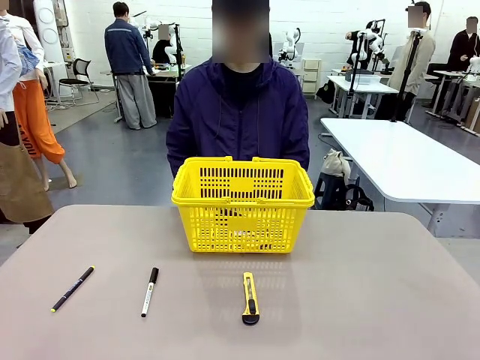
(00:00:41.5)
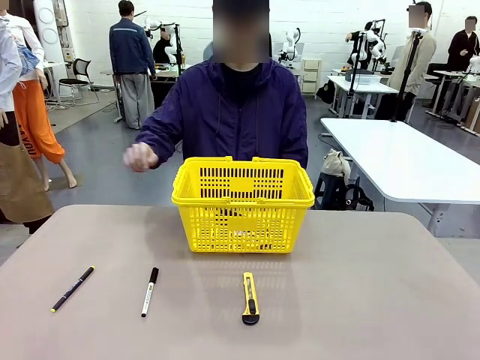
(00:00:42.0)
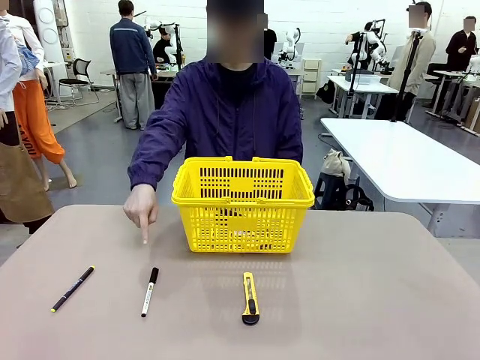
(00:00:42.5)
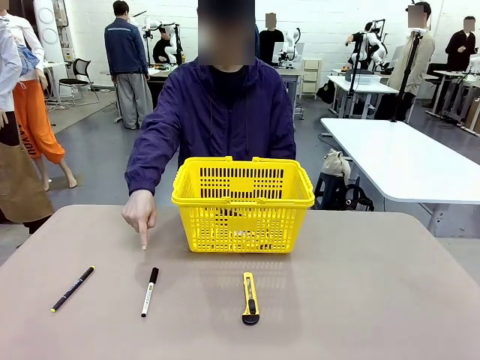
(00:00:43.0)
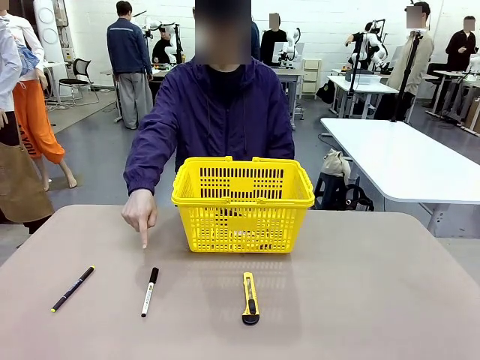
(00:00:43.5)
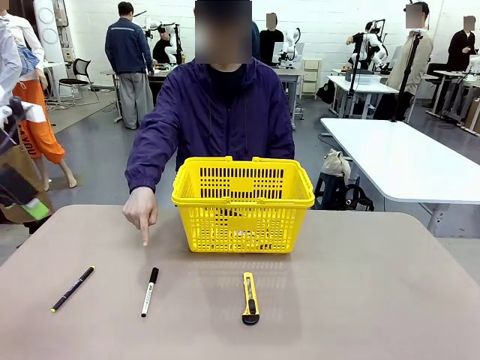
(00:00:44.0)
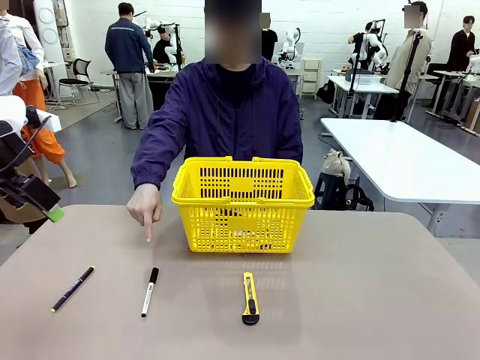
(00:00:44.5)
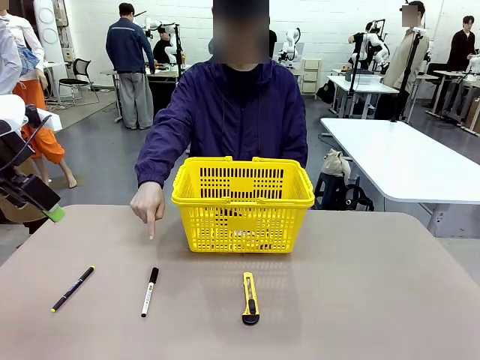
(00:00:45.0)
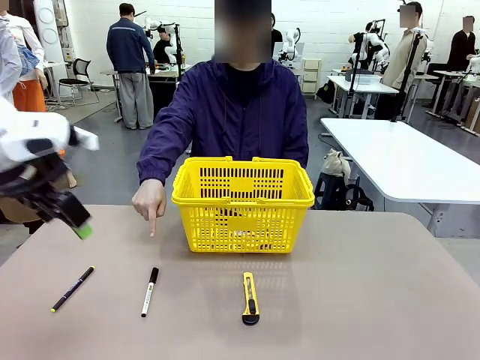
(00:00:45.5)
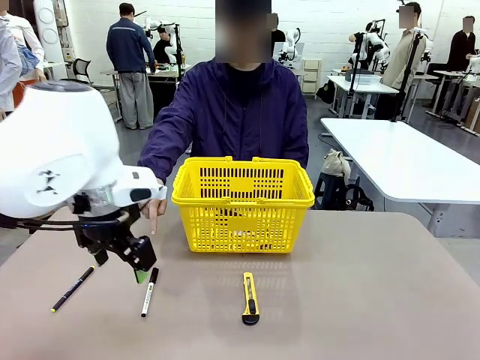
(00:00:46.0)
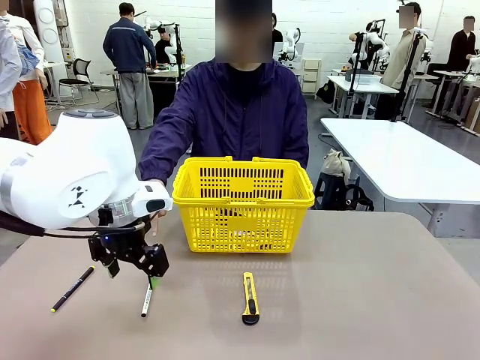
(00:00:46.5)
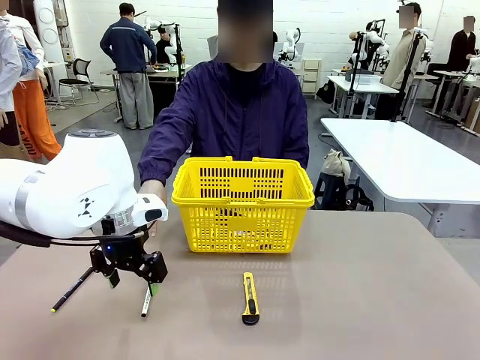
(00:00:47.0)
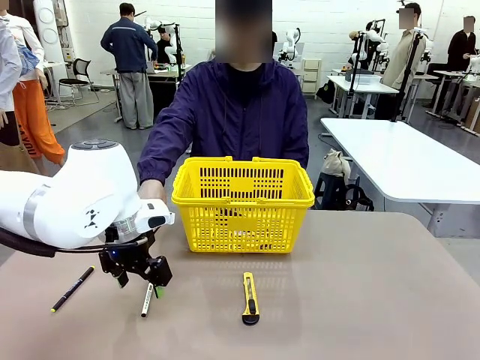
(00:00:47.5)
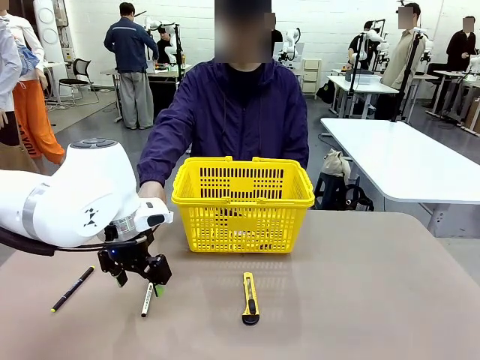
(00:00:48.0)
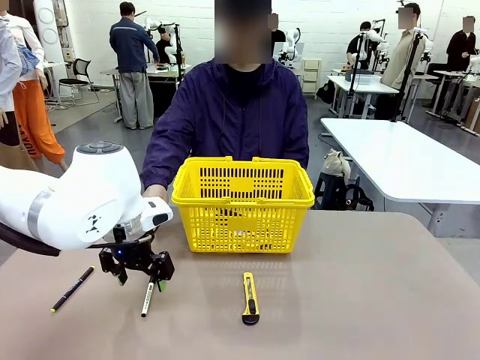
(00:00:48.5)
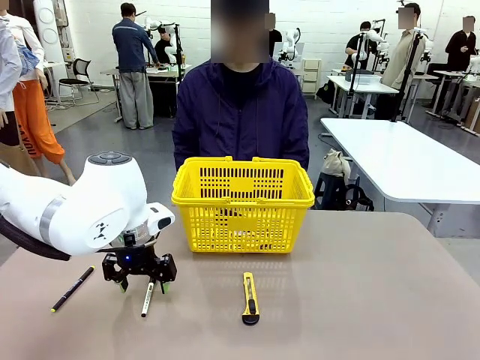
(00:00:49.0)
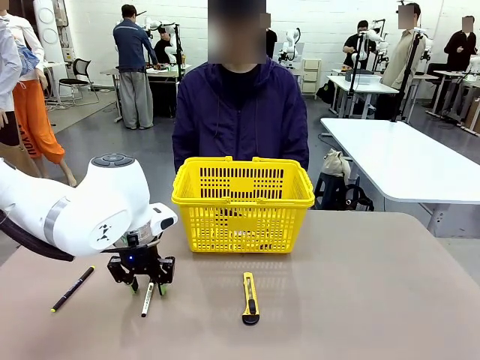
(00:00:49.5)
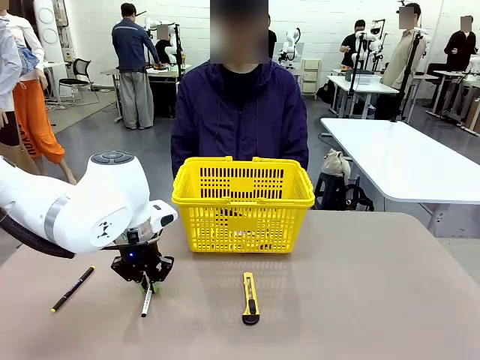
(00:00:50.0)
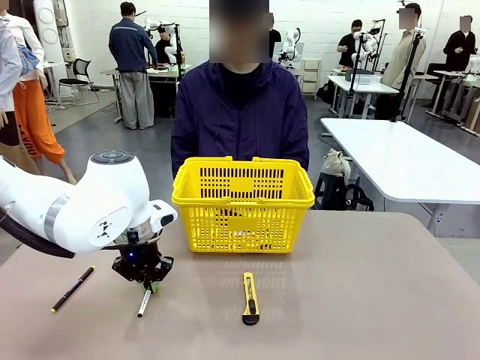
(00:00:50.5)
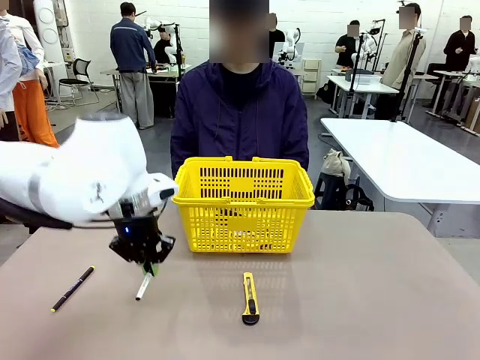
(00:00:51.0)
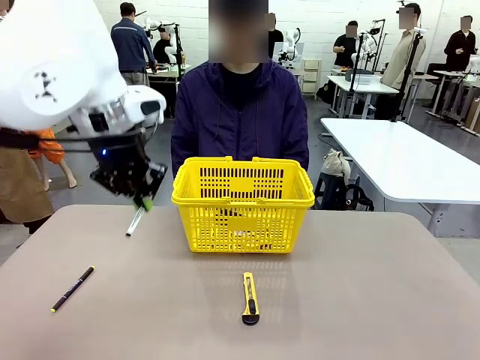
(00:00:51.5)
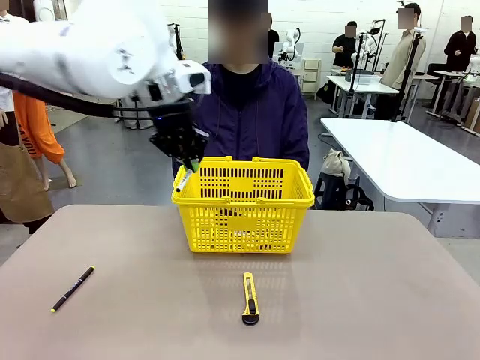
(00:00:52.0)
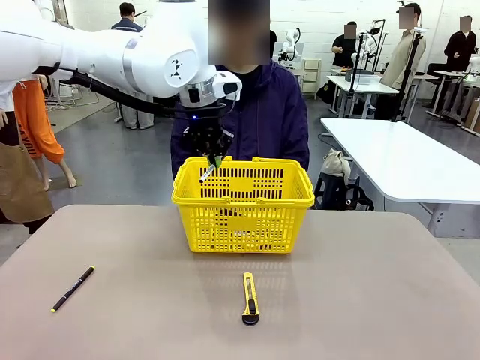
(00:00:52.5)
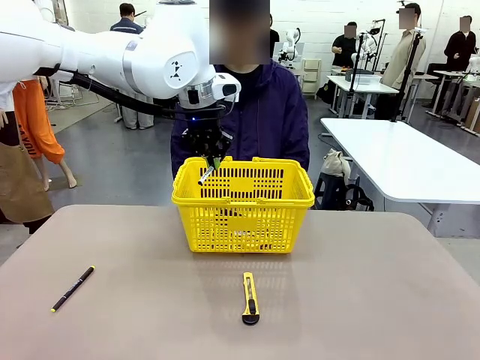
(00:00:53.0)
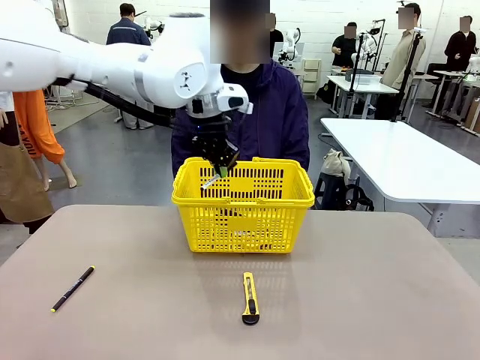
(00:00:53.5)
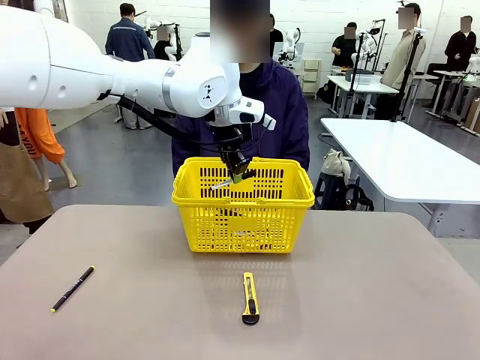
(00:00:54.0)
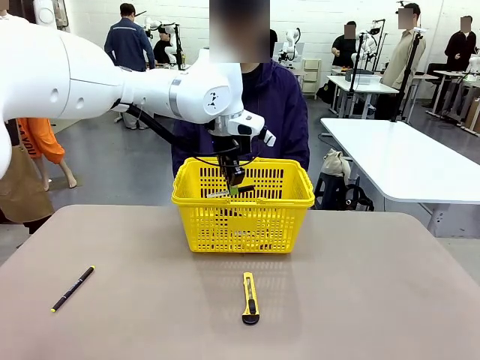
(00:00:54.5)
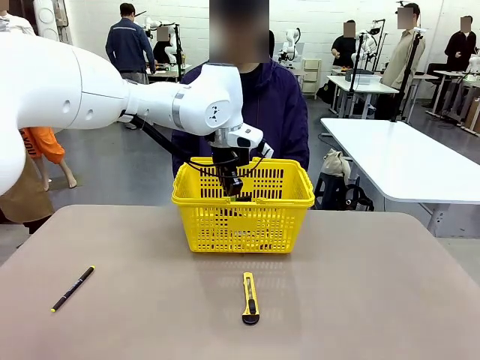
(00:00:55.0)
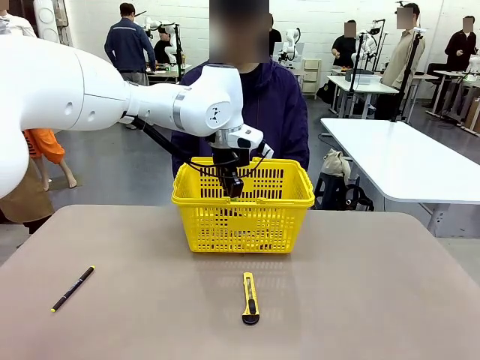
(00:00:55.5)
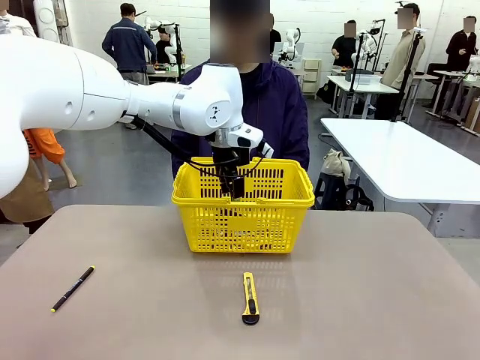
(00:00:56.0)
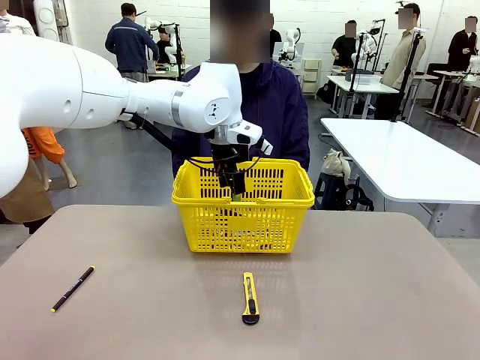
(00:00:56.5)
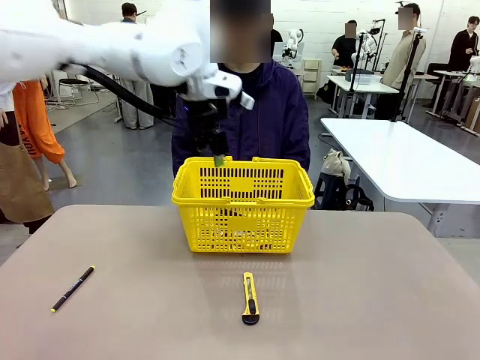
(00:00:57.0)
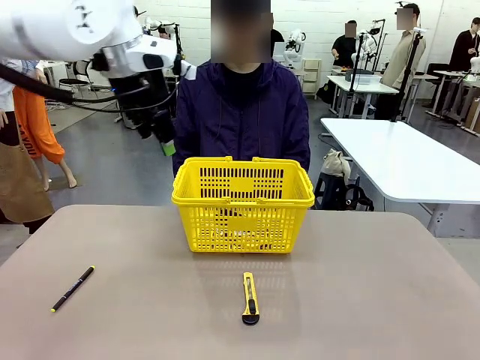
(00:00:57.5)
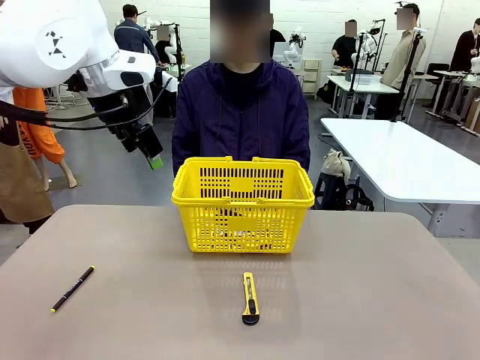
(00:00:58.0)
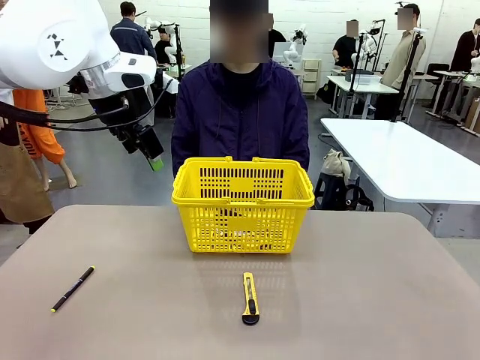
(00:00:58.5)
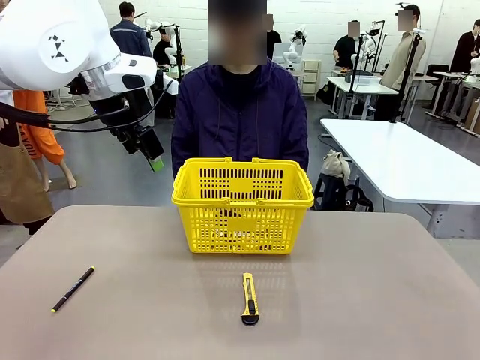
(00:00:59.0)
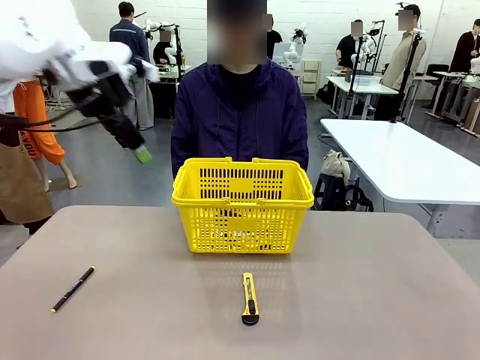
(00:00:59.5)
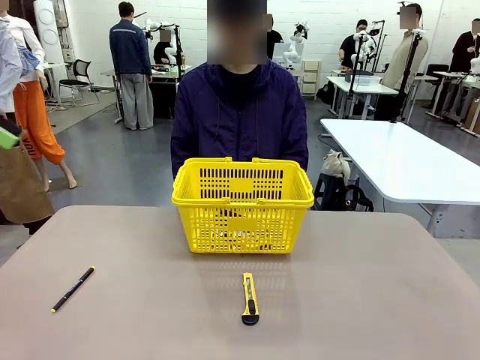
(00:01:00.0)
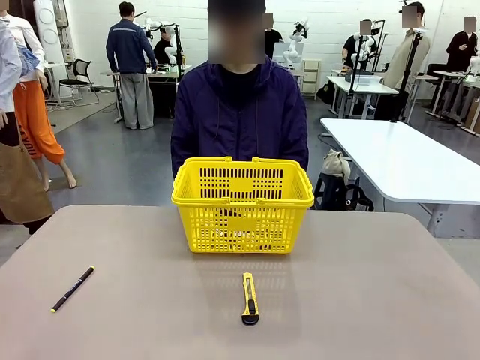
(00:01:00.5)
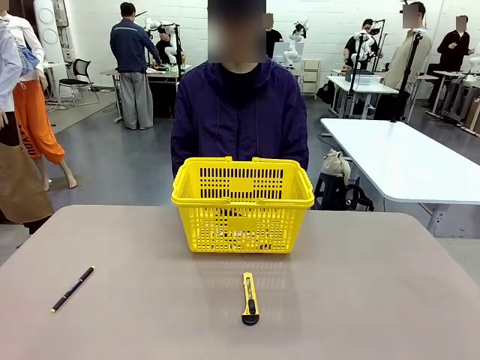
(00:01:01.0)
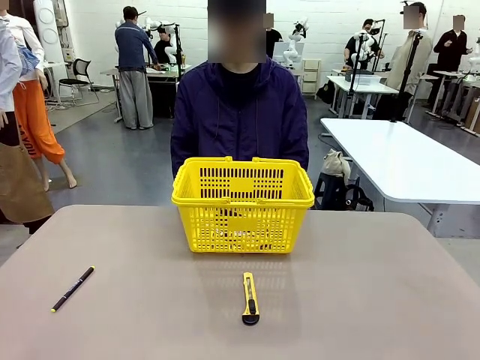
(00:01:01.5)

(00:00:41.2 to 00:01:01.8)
Task: Place the items the person wants into the basket.
Robot: Pick up the item the person points to and place it in the Market Basket.
